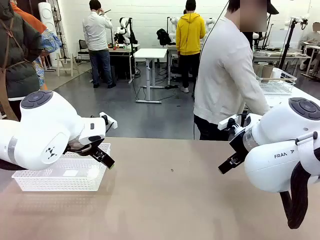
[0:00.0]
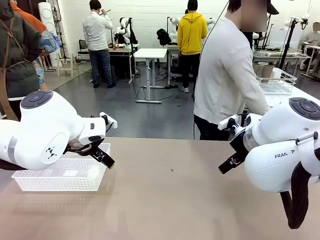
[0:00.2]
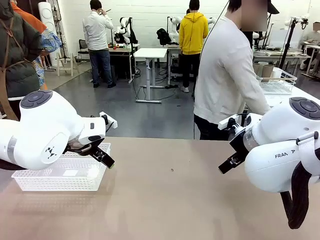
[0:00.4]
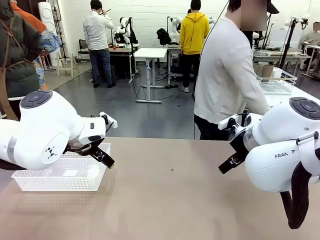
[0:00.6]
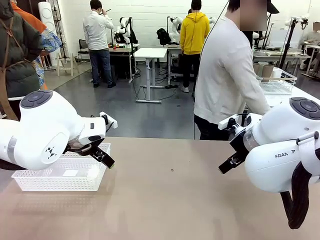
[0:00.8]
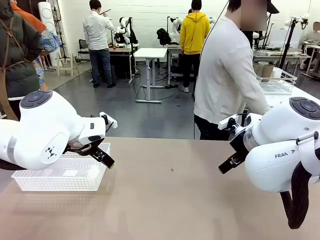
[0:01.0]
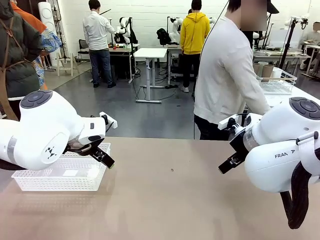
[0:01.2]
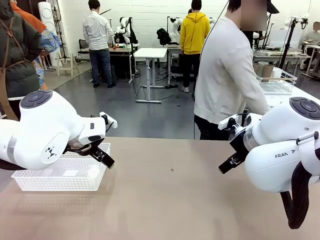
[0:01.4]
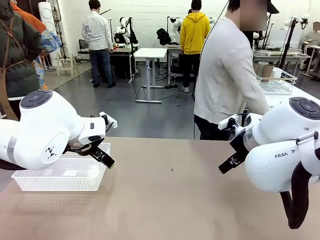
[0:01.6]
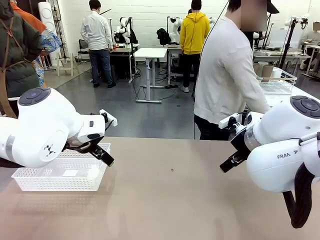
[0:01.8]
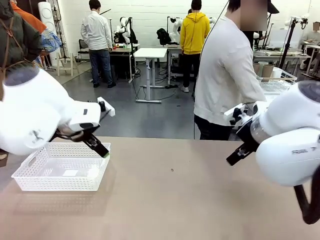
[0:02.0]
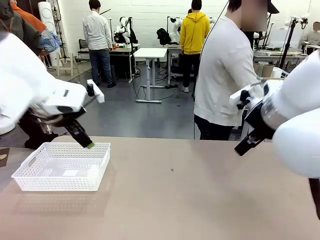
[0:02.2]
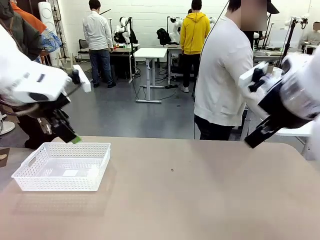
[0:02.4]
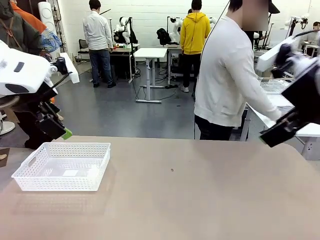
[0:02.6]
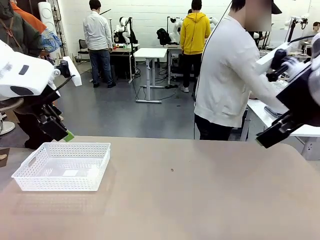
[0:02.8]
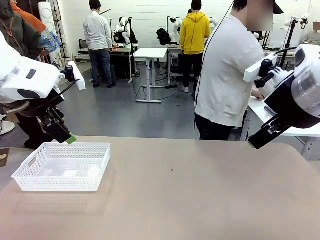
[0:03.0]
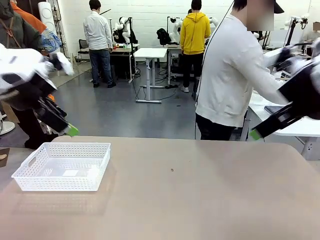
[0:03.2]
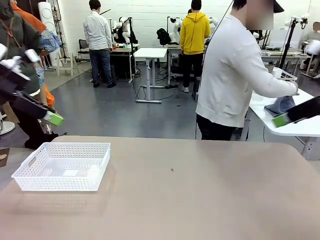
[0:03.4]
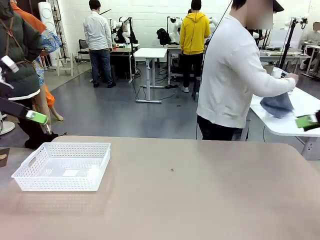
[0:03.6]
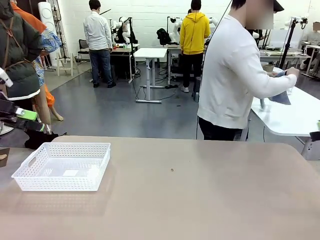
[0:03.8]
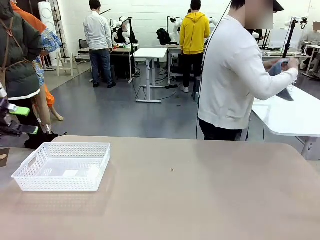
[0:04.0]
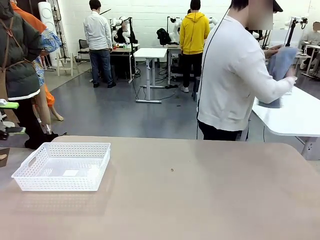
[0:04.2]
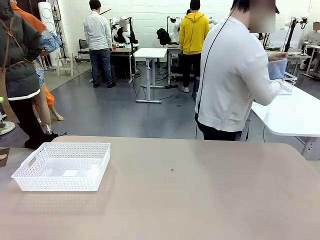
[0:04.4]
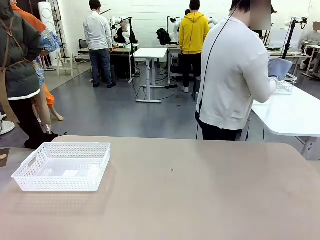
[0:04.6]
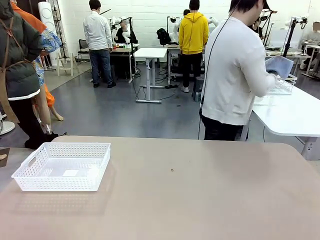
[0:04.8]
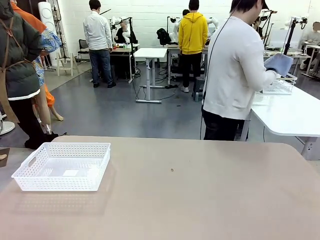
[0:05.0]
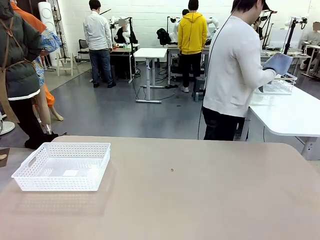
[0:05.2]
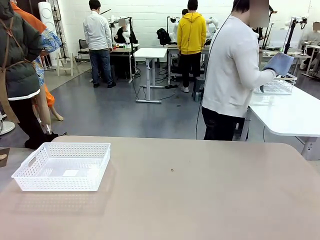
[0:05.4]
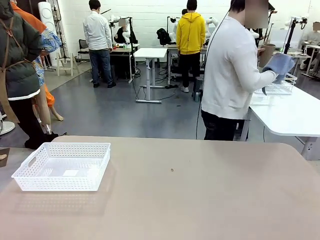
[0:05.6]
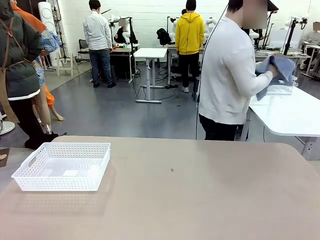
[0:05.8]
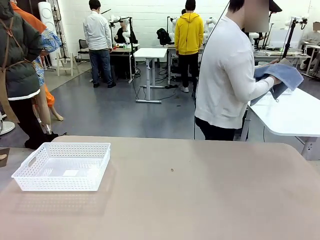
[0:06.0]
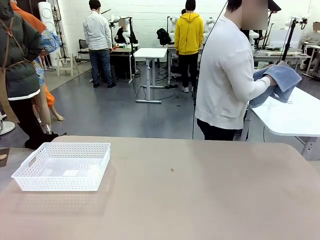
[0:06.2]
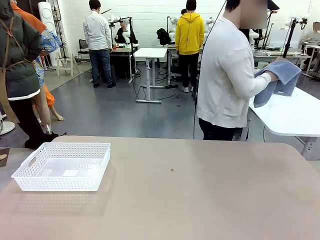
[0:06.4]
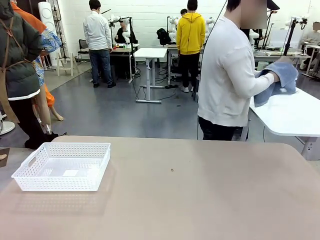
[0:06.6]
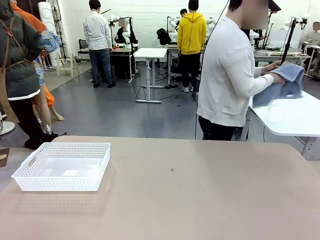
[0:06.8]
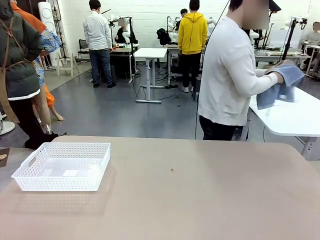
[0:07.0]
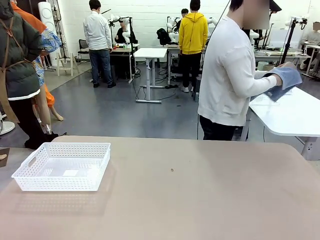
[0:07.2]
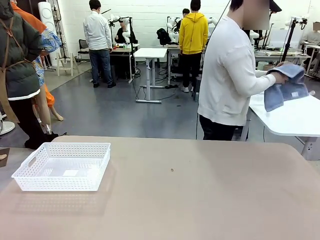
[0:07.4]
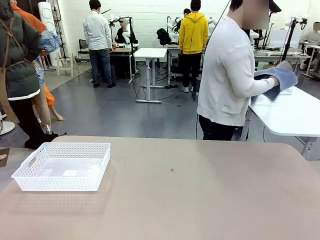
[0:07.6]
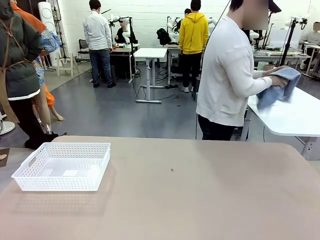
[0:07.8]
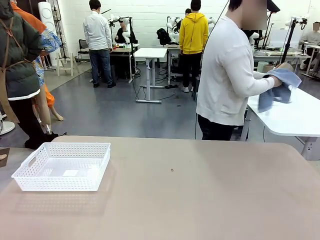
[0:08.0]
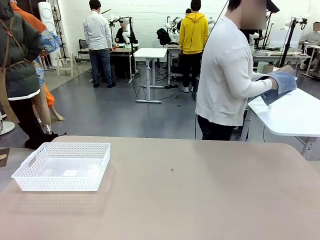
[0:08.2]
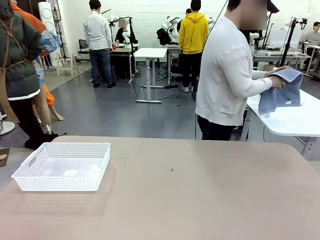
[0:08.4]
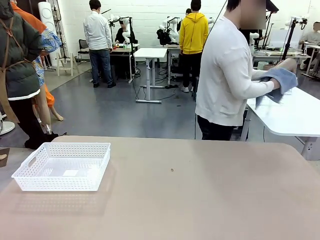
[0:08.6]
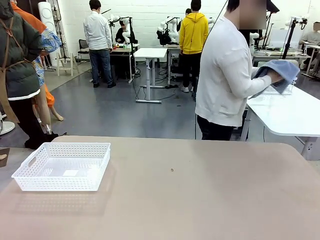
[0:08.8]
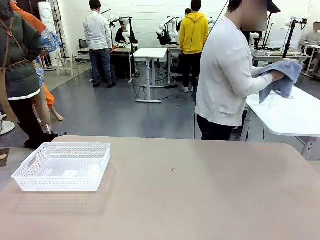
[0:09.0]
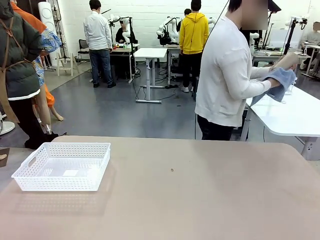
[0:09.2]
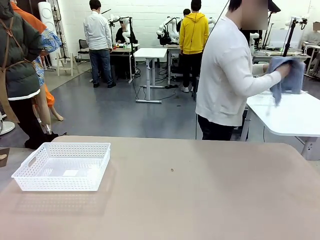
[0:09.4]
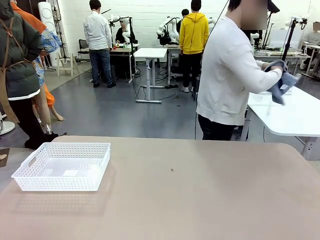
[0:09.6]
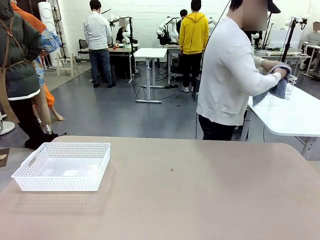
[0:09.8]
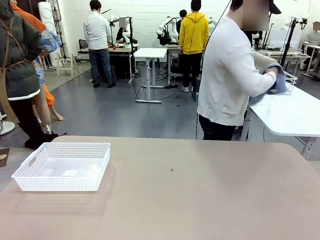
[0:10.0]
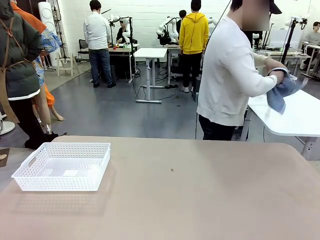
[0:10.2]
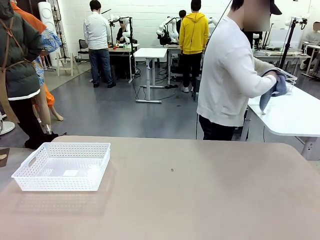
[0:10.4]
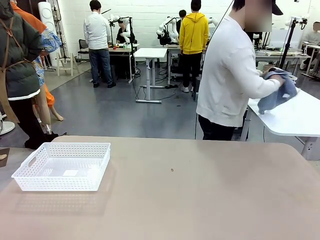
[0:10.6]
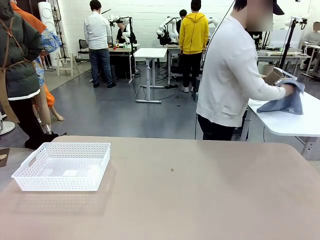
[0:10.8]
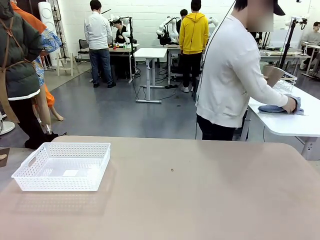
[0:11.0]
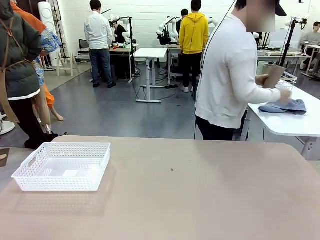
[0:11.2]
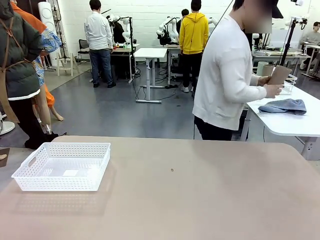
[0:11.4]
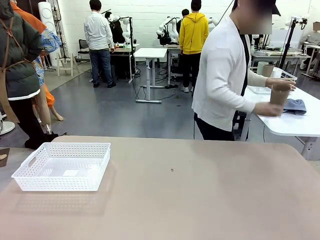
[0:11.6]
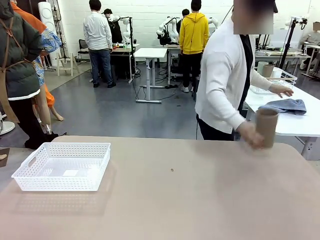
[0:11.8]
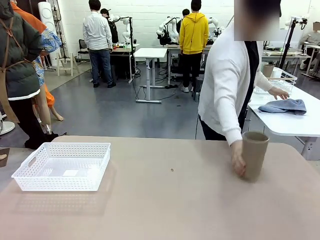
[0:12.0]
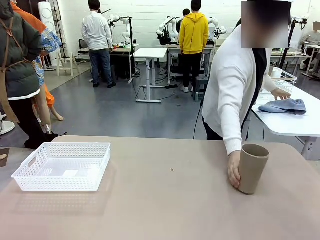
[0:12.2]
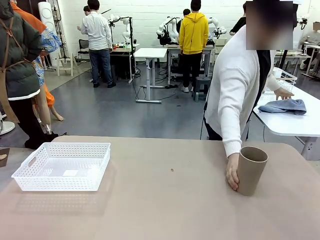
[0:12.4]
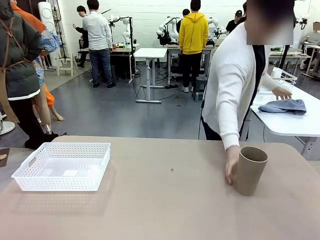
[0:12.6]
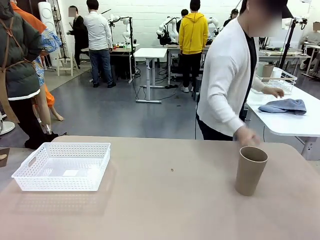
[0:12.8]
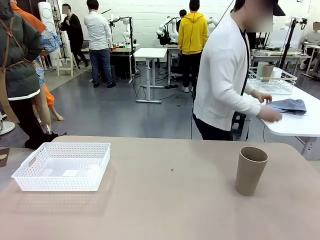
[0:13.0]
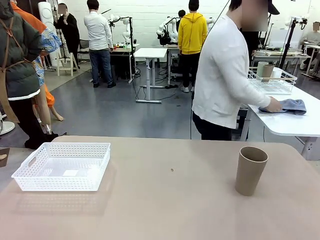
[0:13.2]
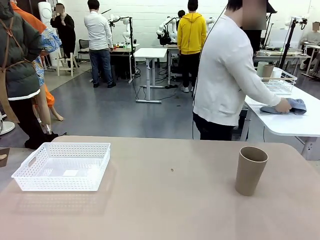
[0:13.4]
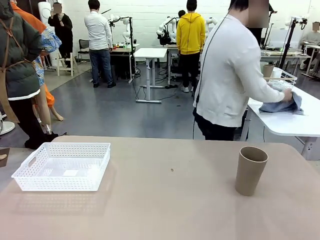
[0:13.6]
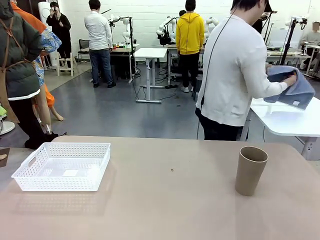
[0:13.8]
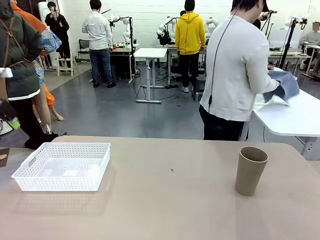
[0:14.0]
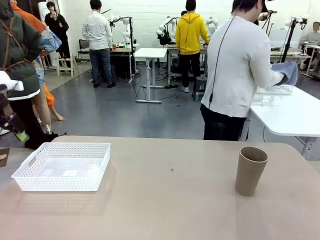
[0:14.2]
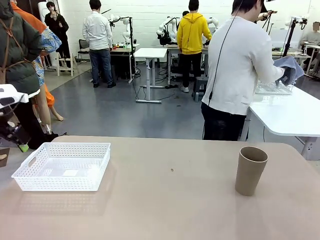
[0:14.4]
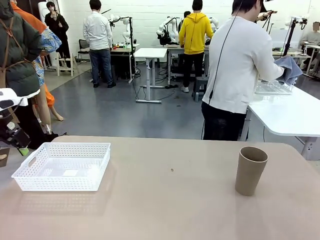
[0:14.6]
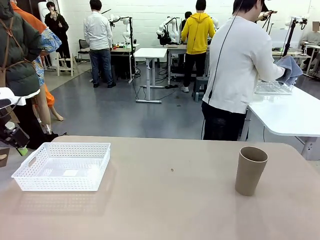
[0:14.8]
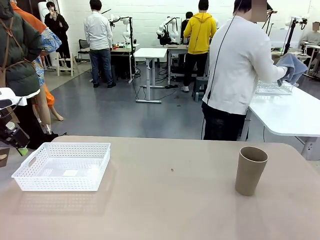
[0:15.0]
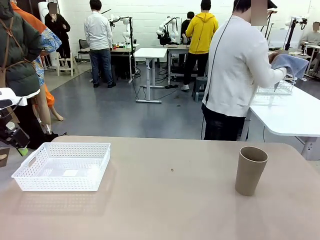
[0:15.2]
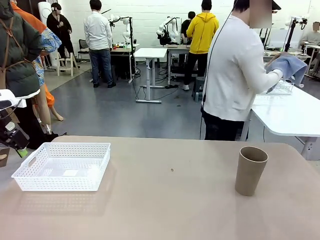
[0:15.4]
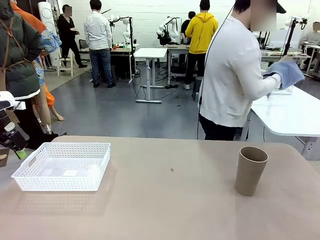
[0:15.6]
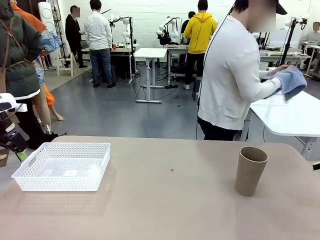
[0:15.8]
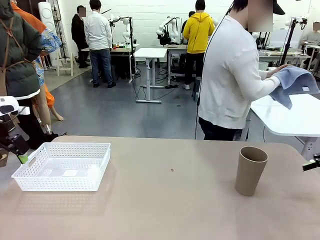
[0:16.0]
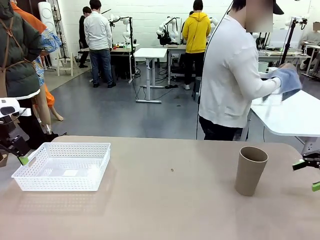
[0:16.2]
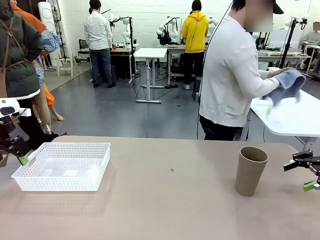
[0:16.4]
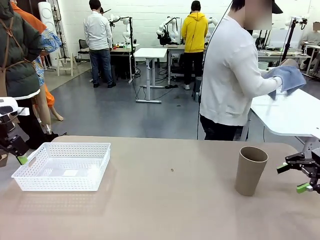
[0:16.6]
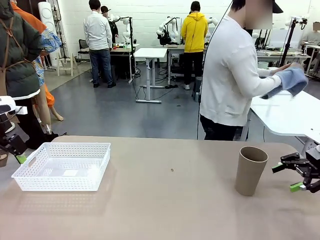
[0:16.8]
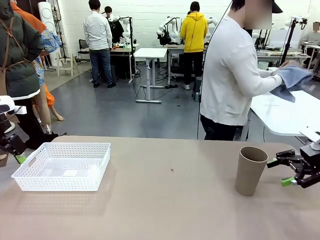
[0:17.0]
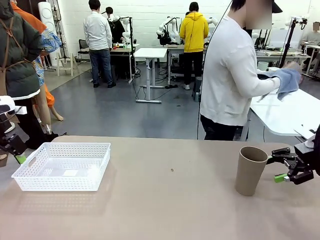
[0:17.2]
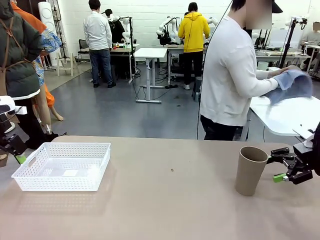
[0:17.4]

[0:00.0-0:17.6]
Task: Clean and organize the cups into the basket.
Robot: Pick up the Organizing basket and move it to the center of the table, then pick up the Reusable plastic cup from the right side of the table and place it inside the Organizing basket.
Person: Picks up a cup and a towel, cleans the cup with the towel, and places it on the left side of the robot table.
